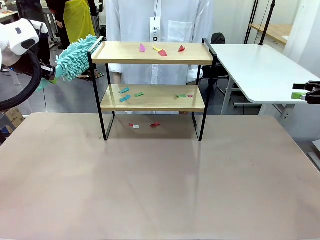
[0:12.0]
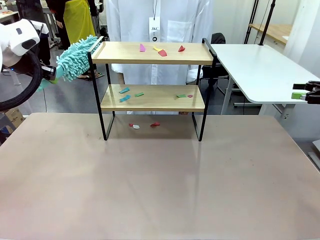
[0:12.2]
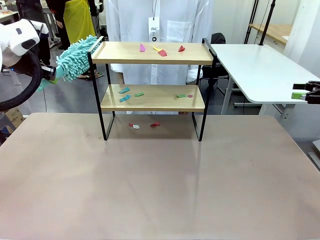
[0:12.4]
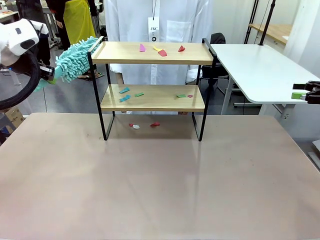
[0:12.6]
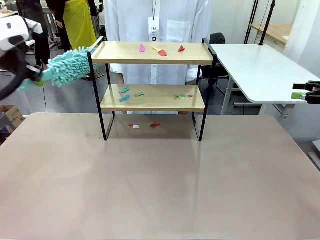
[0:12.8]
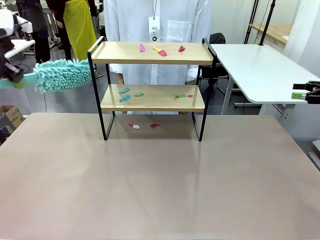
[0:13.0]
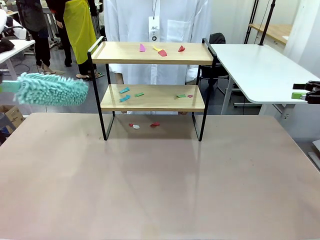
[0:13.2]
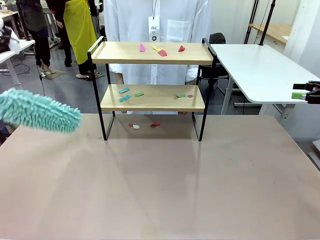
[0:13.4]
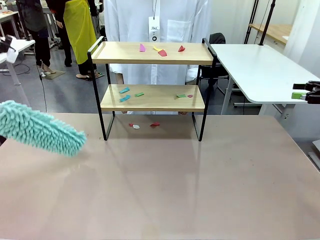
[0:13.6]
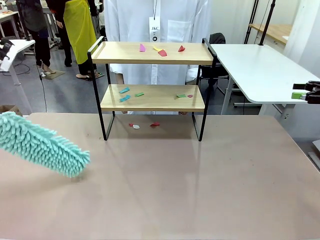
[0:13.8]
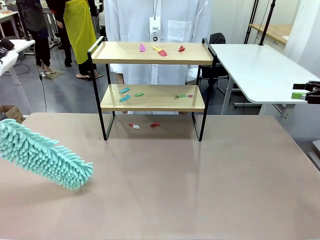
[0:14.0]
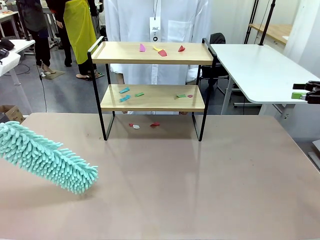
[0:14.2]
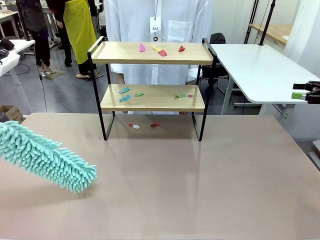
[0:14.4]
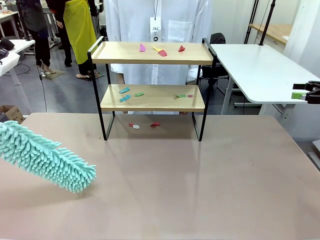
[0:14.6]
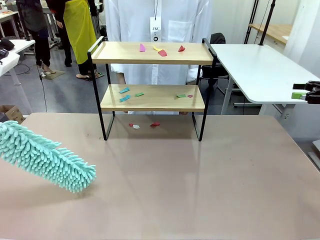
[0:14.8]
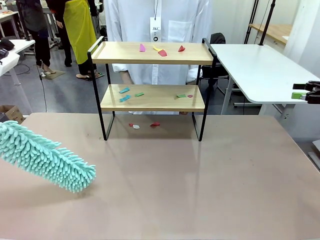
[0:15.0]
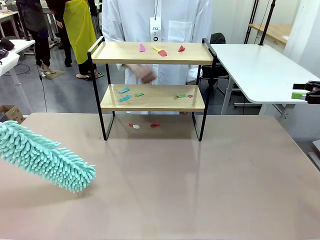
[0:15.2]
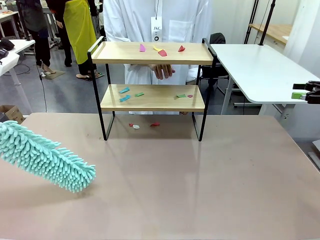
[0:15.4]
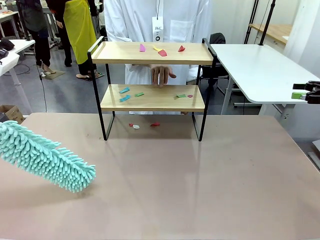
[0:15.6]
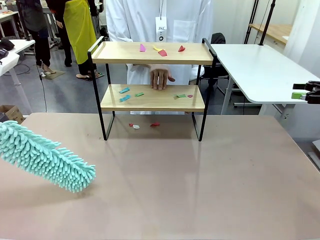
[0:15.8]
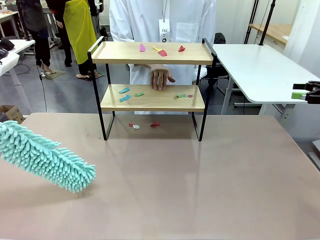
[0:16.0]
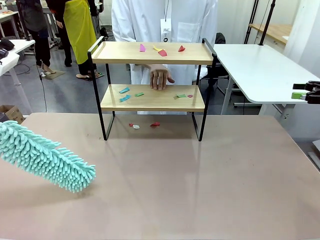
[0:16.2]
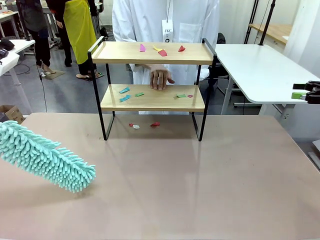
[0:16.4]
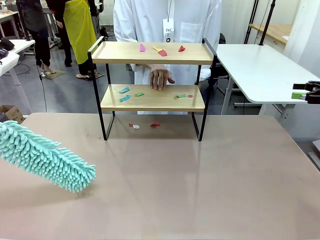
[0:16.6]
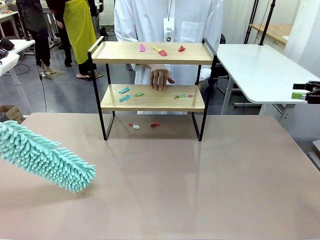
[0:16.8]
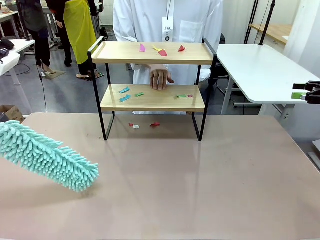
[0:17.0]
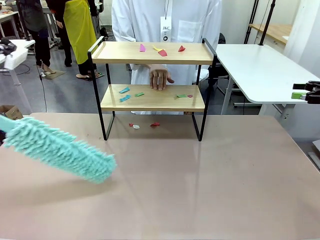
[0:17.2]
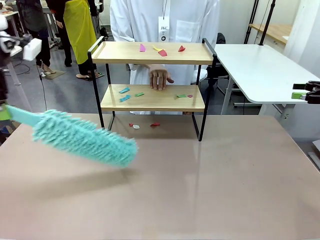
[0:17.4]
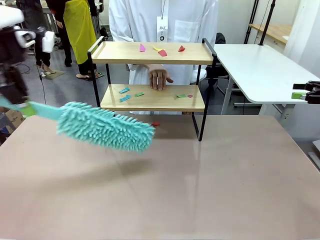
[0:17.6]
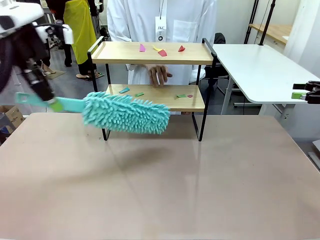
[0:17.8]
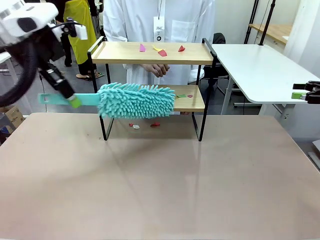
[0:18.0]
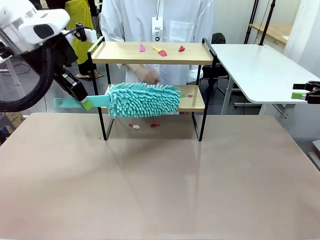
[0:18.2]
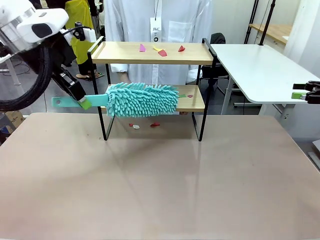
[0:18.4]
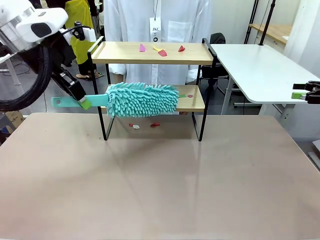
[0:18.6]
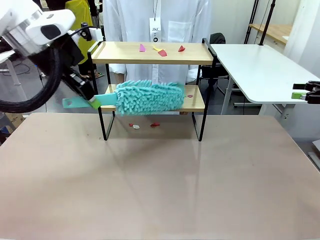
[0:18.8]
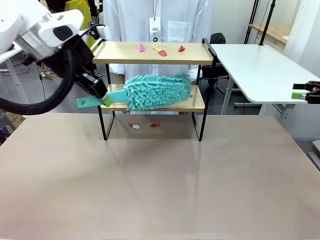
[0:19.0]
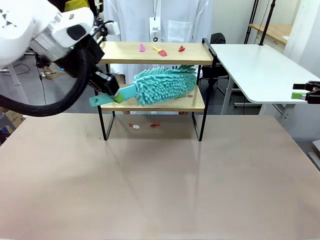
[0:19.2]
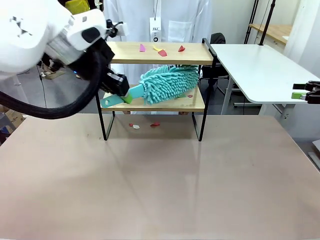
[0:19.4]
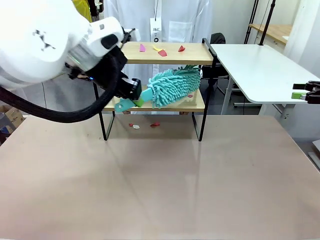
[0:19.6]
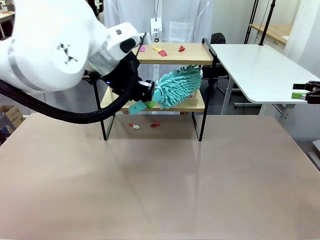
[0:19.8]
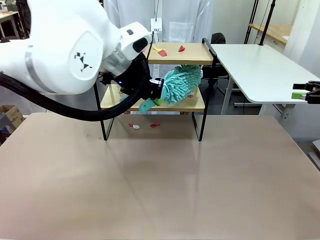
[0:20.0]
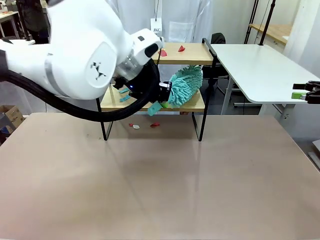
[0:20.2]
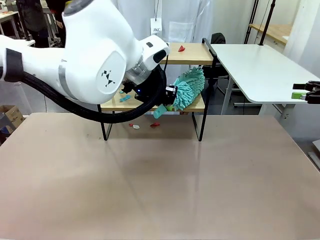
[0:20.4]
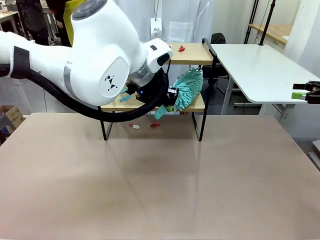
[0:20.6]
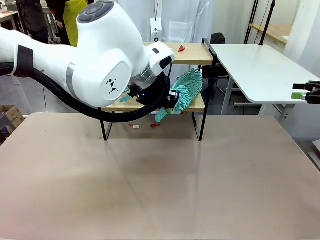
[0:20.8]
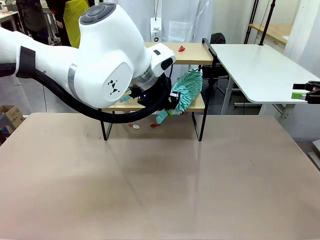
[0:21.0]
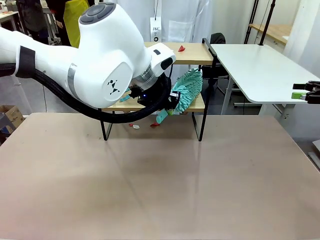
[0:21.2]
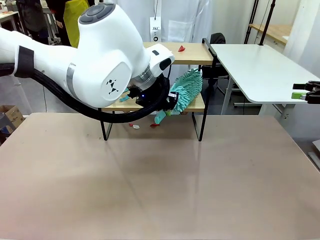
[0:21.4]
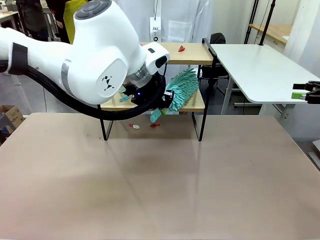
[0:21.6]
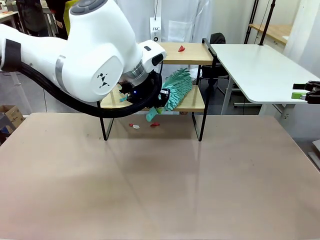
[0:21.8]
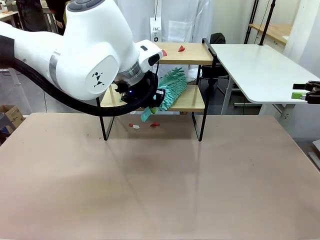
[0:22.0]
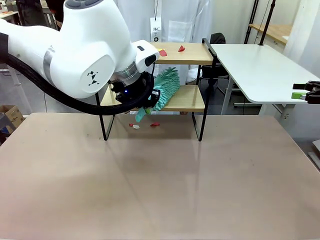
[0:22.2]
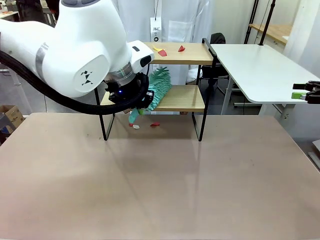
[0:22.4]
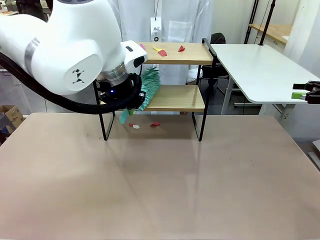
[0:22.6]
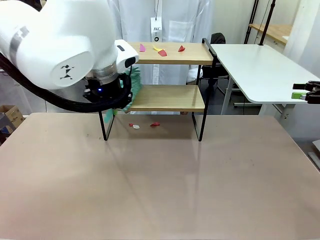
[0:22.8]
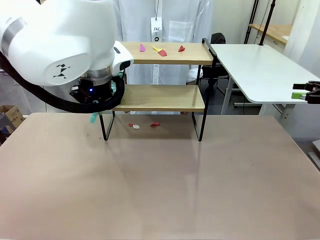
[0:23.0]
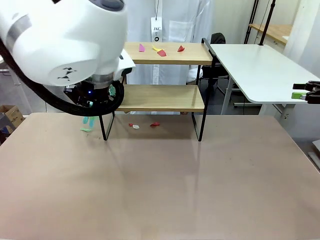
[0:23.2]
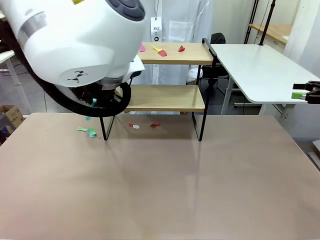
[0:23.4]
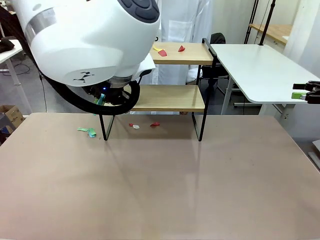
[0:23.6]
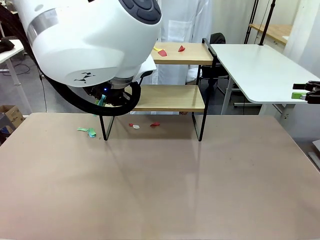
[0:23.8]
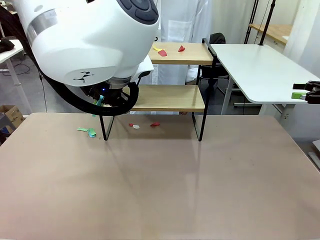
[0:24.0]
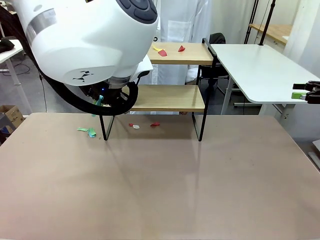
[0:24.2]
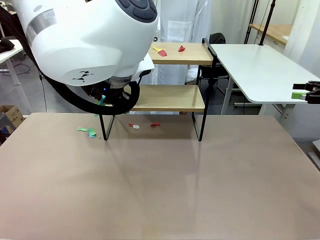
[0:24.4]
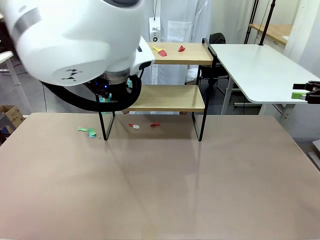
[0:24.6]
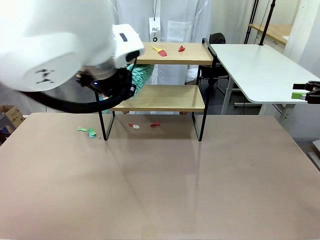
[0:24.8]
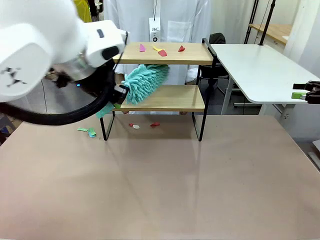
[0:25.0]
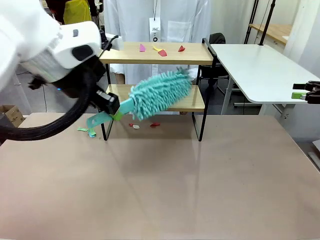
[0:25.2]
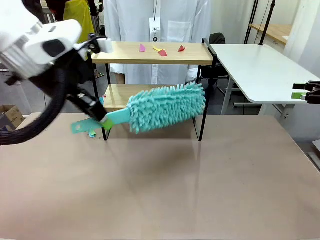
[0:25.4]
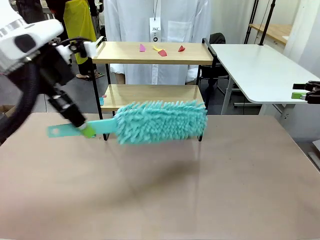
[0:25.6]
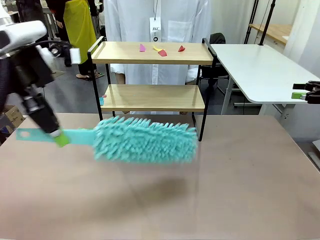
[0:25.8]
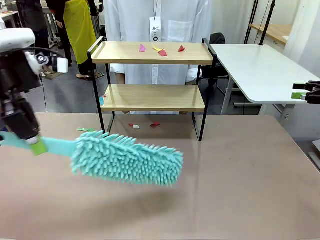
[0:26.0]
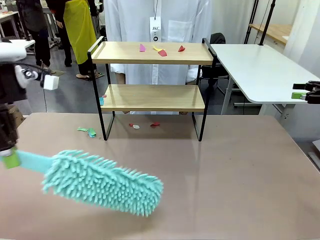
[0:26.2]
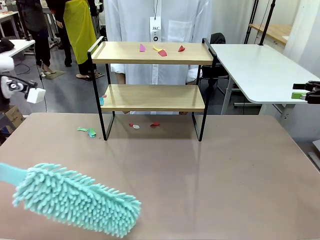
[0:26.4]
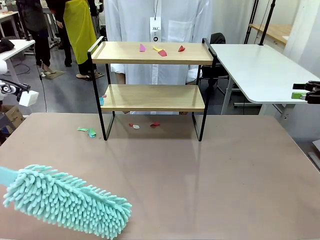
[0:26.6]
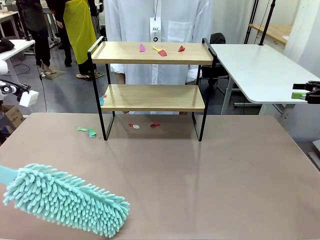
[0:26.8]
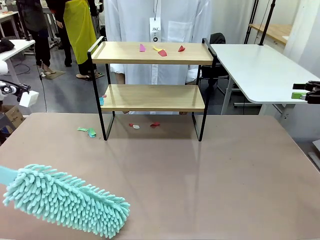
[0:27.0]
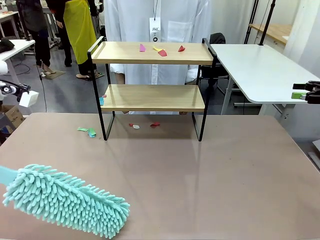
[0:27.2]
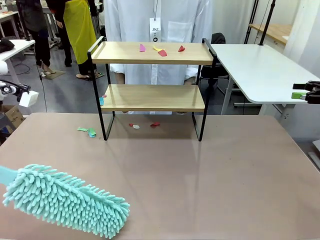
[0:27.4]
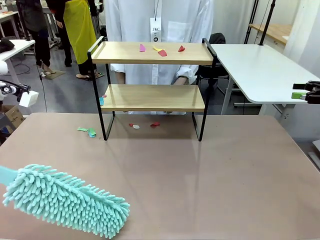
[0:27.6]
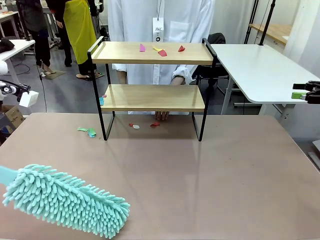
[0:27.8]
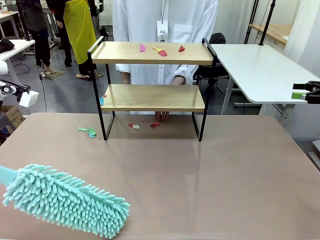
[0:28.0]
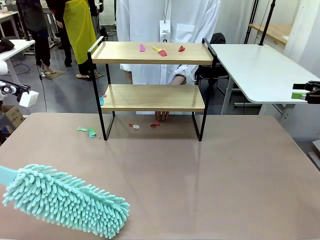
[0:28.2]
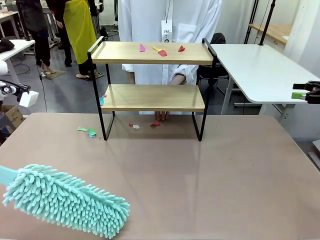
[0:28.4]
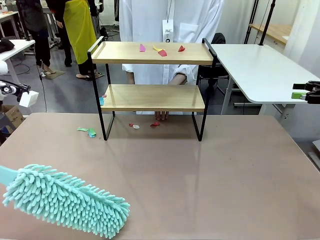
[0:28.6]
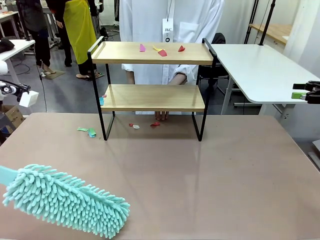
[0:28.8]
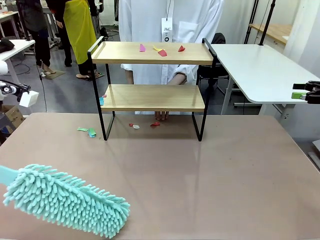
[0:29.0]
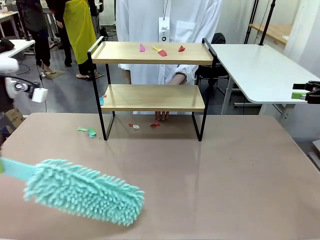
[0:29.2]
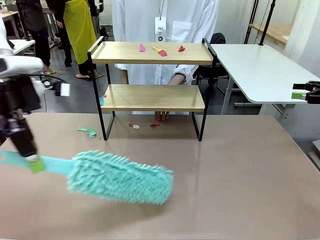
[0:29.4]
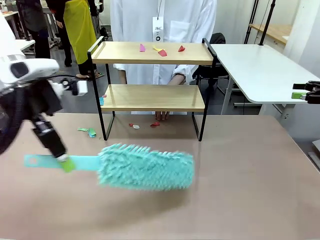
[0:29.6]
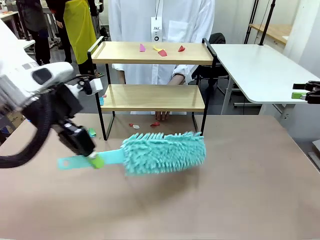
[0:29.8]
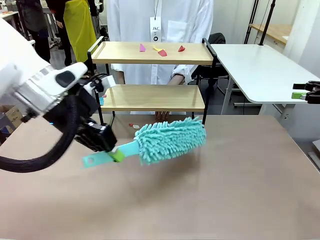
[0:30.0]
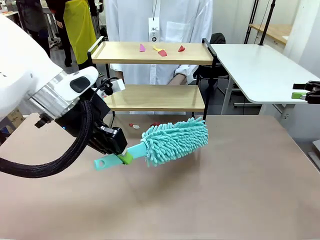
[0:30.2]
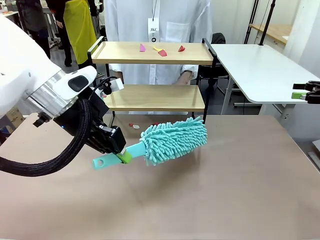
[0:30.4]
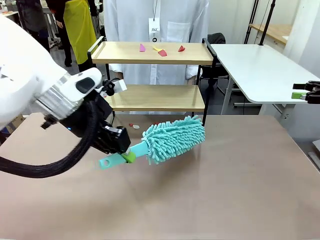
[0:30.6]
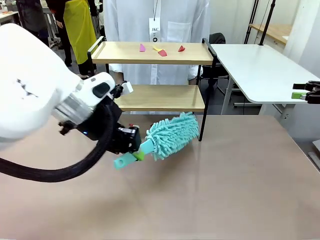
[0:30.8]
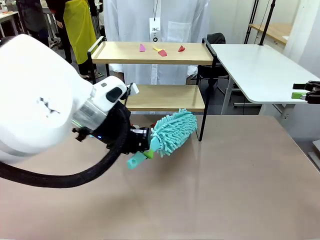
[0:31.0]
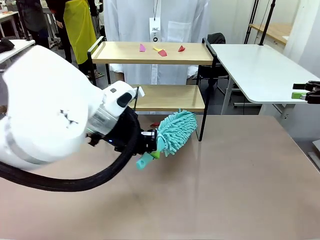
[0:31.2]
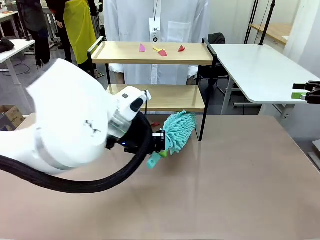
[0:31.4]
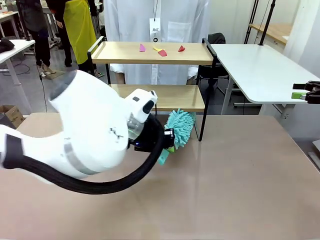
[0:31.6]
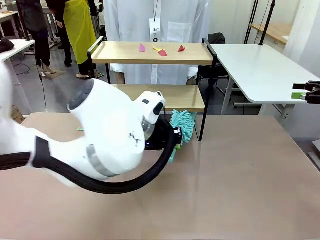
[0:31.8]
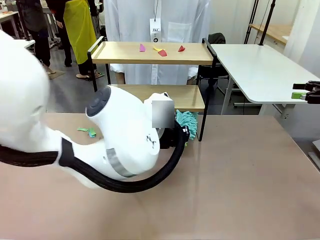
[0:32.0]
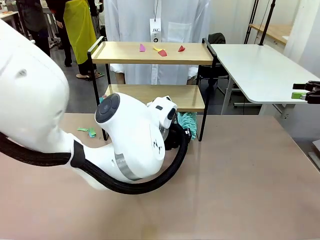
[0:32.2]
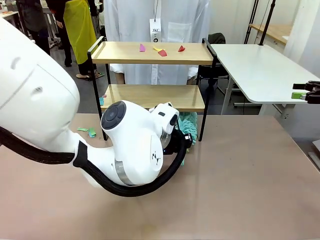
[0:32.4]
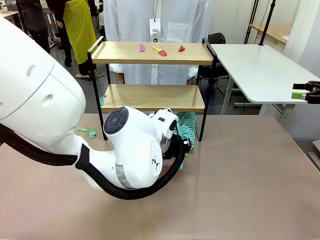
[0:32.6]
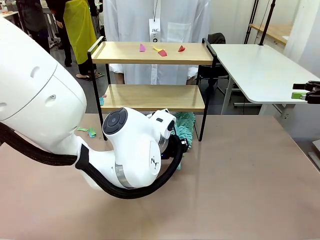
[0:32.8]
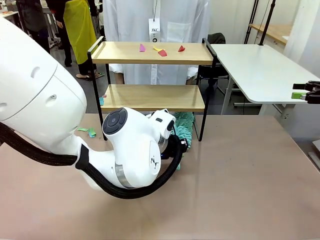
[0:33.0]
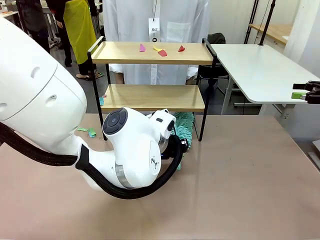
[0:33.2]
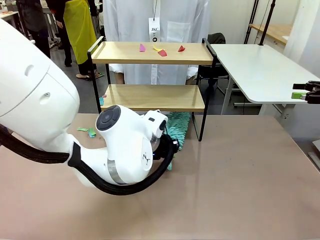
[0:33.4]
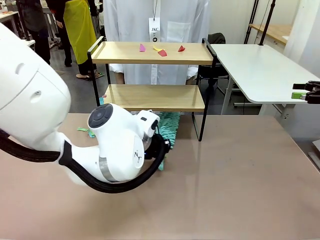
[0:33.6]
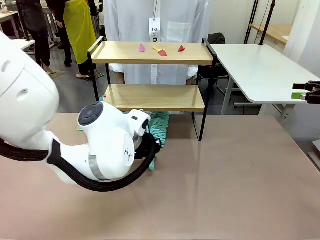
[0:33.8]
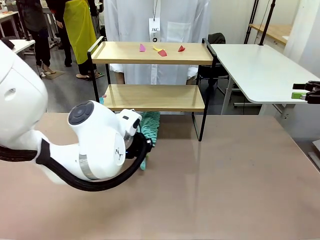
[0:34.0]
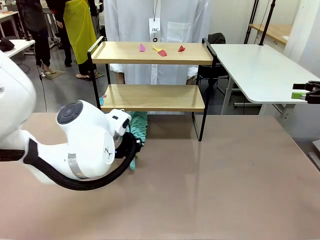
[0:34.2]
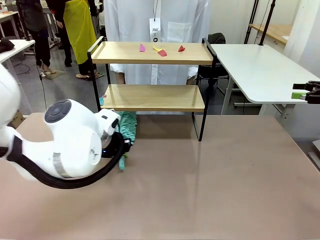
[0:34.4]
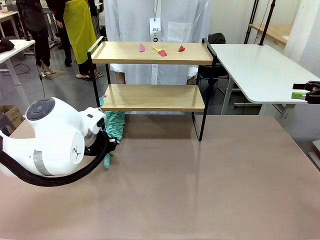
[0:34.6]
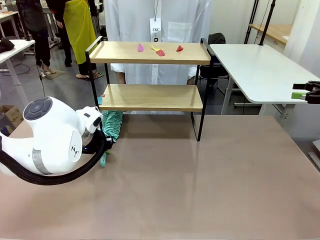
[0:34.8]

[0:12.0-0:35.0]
Task: Clean the shelf.
Robot: Clean the specific section of the Shelf indicated by the human with the Duster.
Person: Point a random section of the Shelf.
